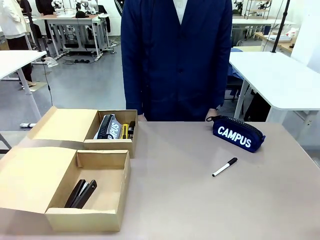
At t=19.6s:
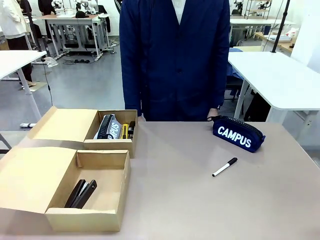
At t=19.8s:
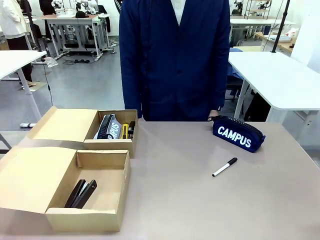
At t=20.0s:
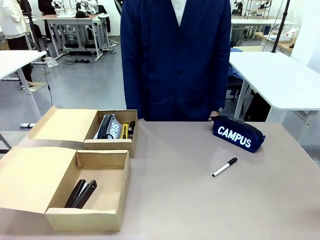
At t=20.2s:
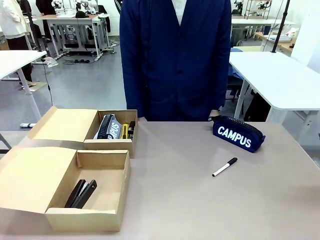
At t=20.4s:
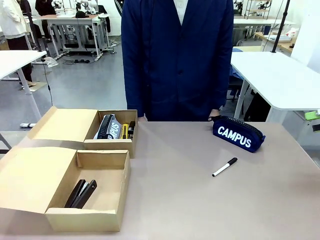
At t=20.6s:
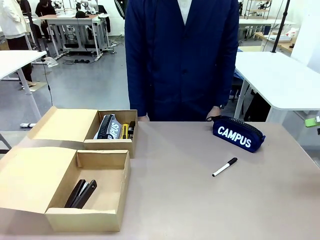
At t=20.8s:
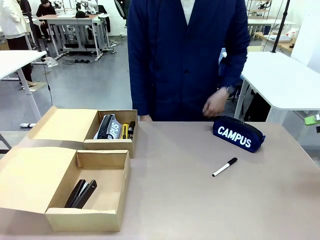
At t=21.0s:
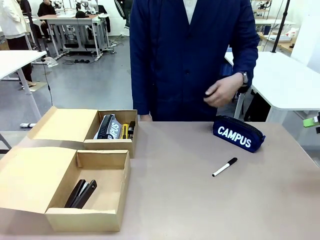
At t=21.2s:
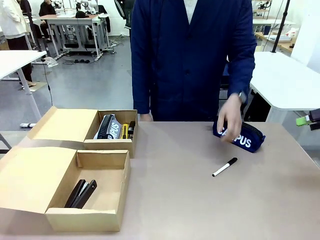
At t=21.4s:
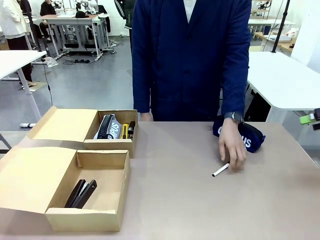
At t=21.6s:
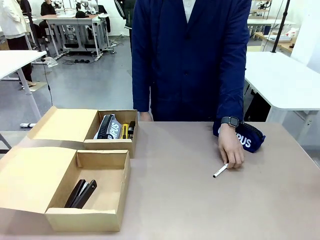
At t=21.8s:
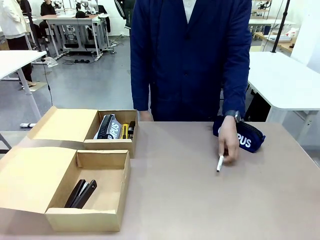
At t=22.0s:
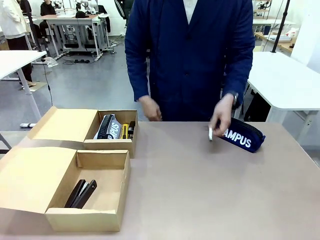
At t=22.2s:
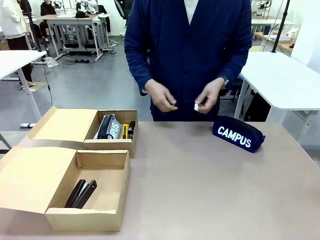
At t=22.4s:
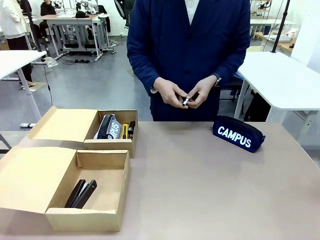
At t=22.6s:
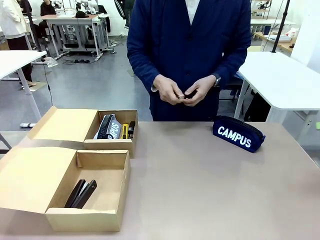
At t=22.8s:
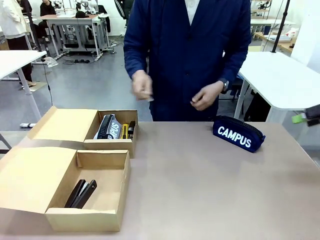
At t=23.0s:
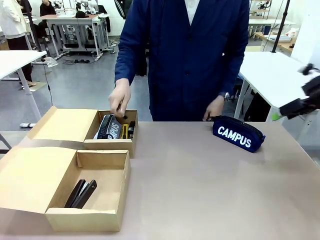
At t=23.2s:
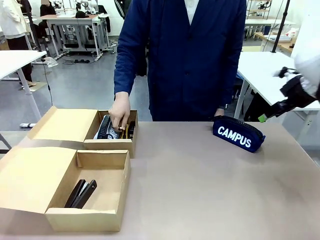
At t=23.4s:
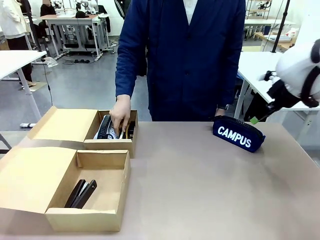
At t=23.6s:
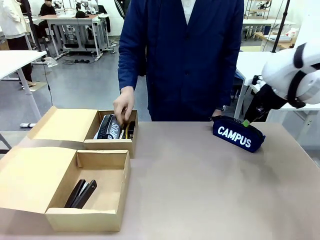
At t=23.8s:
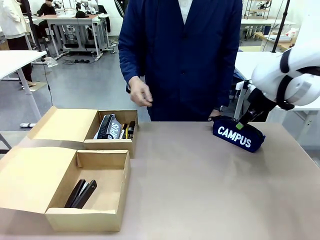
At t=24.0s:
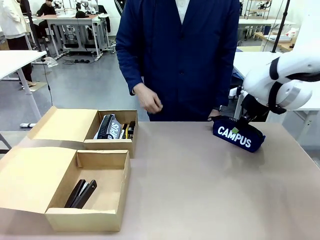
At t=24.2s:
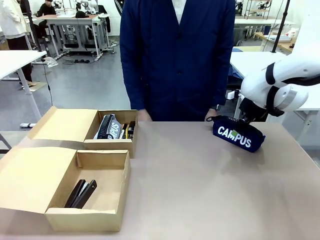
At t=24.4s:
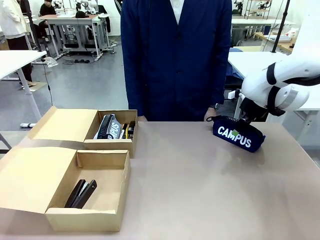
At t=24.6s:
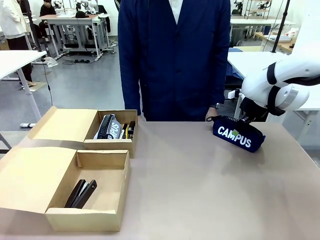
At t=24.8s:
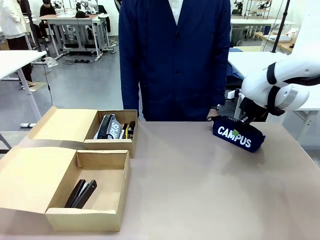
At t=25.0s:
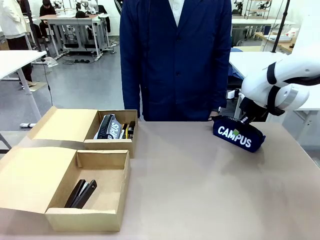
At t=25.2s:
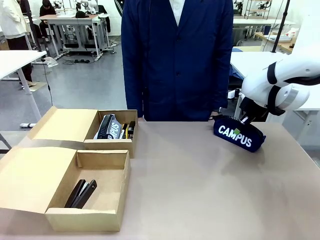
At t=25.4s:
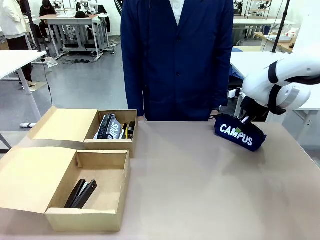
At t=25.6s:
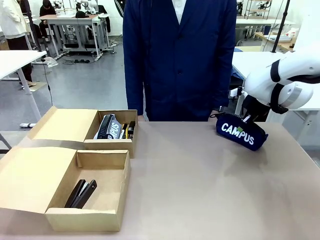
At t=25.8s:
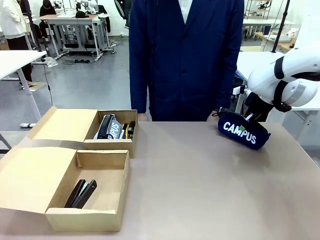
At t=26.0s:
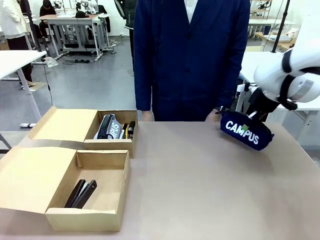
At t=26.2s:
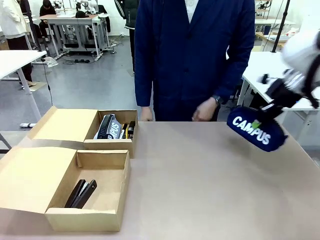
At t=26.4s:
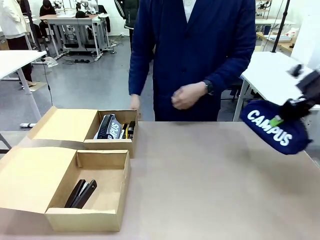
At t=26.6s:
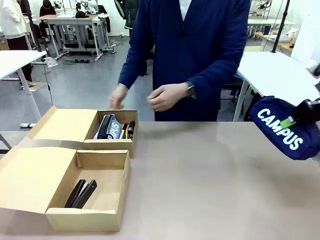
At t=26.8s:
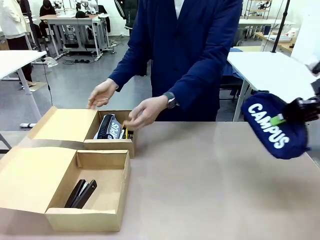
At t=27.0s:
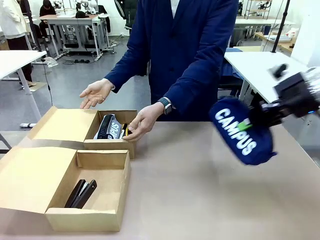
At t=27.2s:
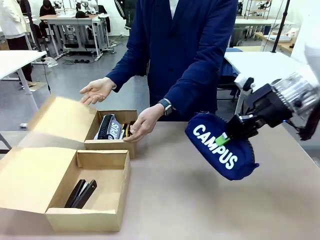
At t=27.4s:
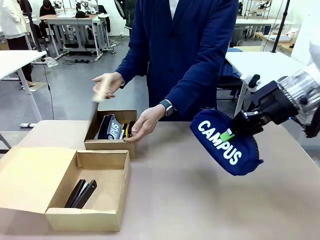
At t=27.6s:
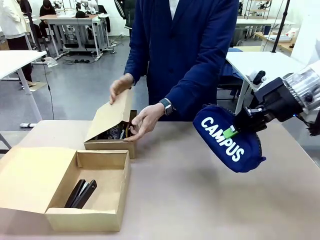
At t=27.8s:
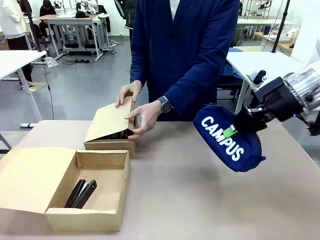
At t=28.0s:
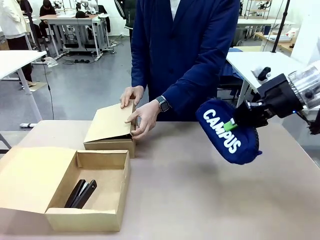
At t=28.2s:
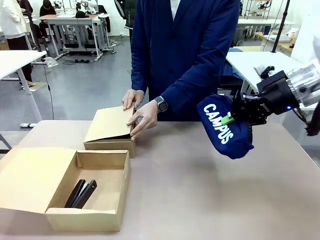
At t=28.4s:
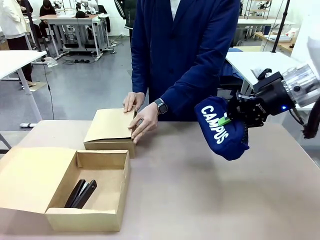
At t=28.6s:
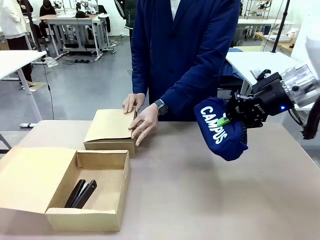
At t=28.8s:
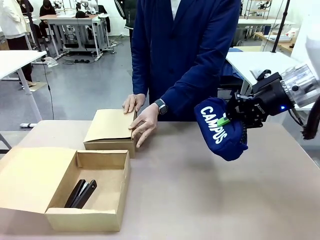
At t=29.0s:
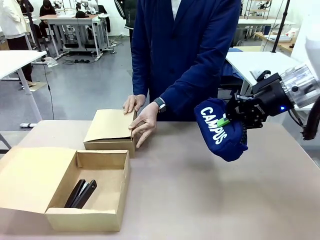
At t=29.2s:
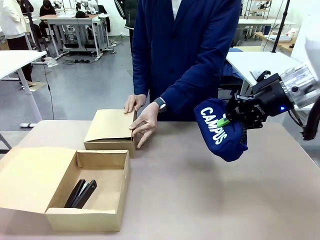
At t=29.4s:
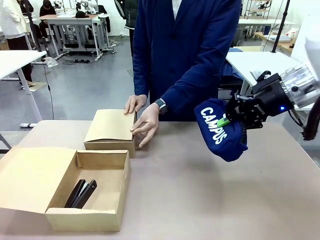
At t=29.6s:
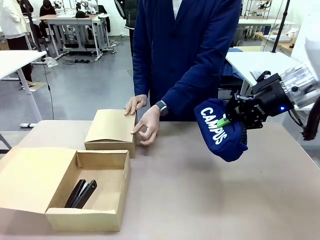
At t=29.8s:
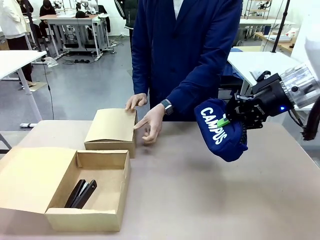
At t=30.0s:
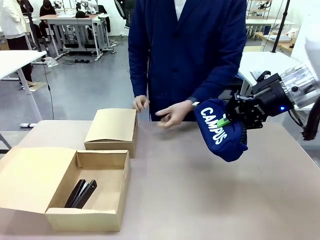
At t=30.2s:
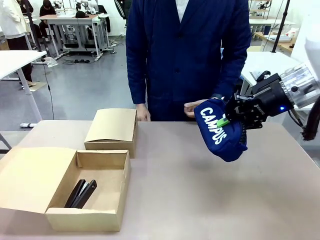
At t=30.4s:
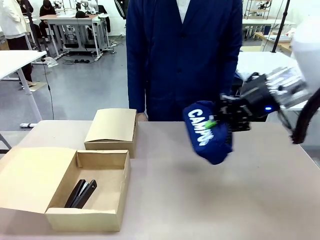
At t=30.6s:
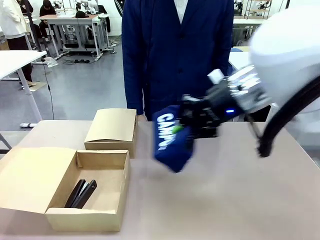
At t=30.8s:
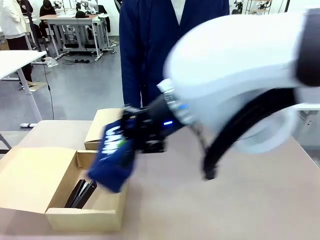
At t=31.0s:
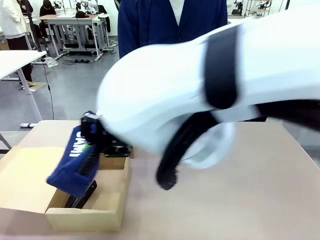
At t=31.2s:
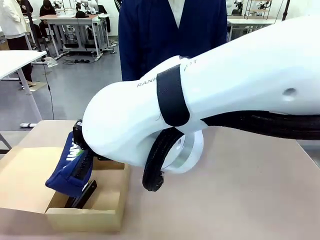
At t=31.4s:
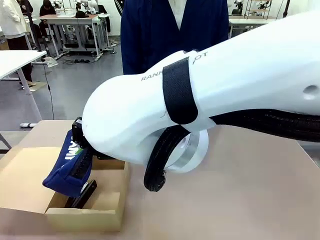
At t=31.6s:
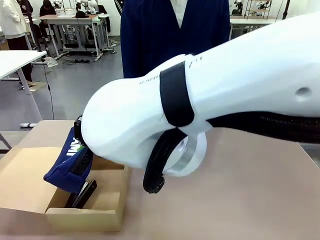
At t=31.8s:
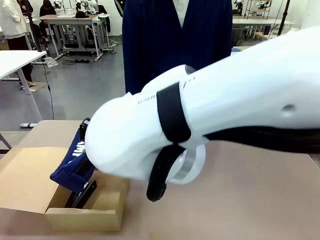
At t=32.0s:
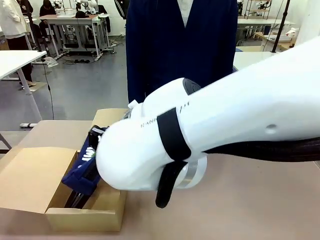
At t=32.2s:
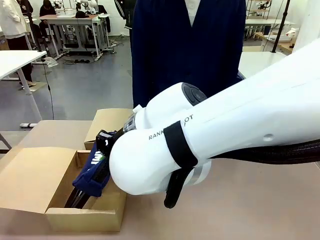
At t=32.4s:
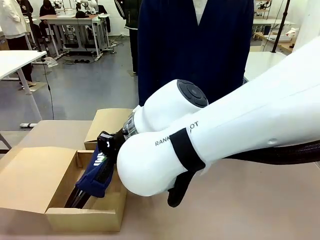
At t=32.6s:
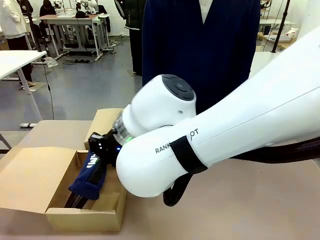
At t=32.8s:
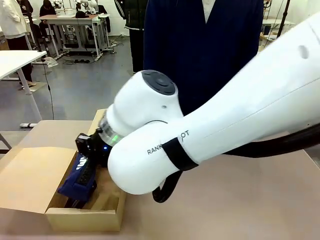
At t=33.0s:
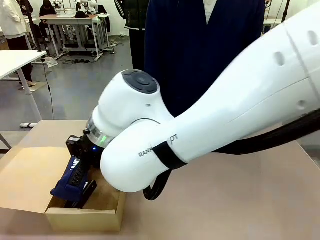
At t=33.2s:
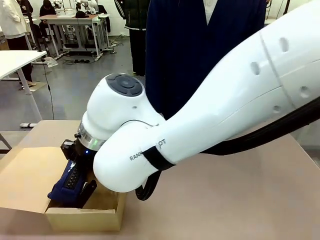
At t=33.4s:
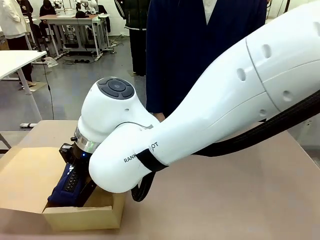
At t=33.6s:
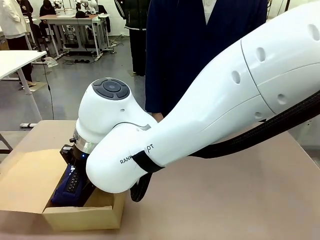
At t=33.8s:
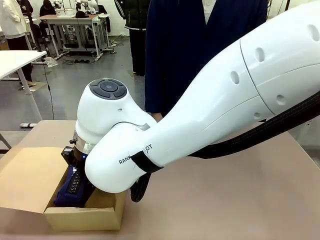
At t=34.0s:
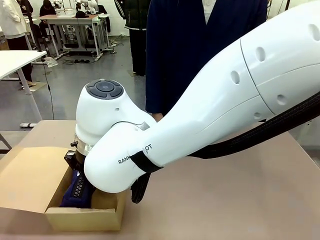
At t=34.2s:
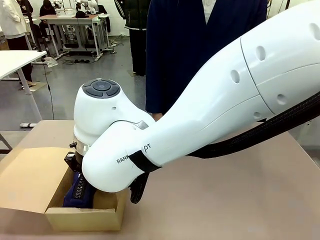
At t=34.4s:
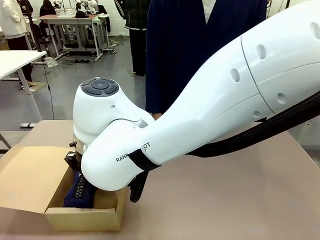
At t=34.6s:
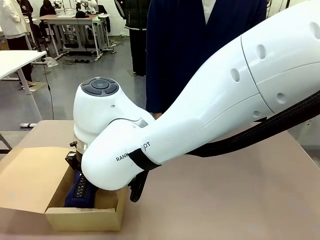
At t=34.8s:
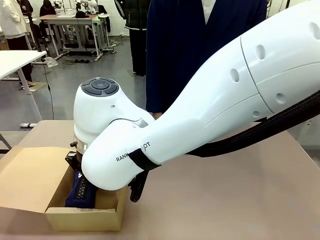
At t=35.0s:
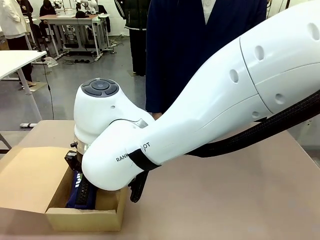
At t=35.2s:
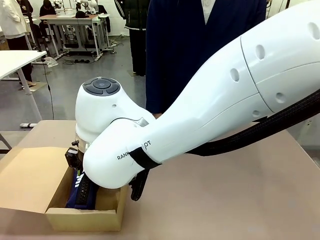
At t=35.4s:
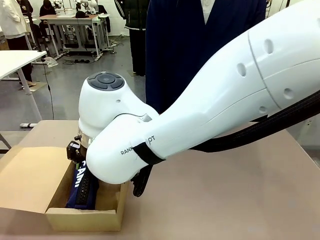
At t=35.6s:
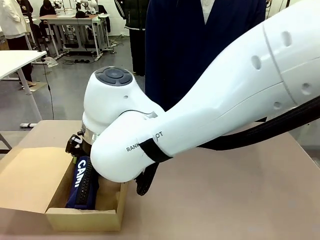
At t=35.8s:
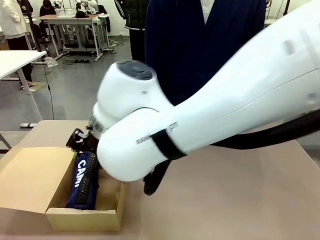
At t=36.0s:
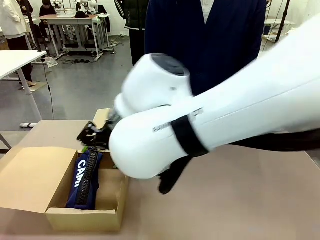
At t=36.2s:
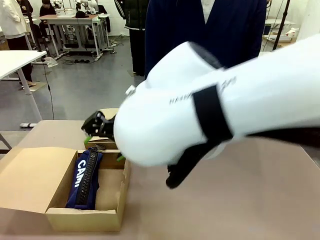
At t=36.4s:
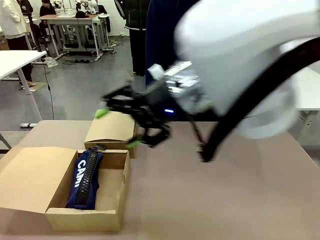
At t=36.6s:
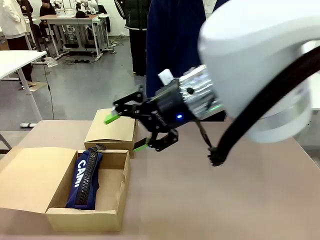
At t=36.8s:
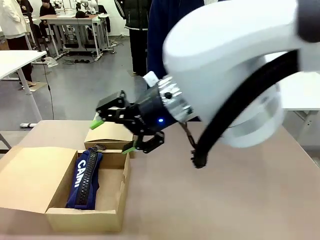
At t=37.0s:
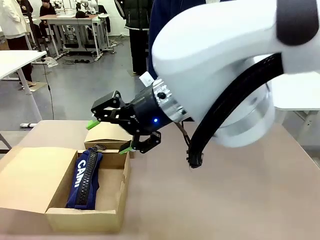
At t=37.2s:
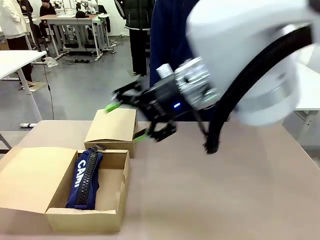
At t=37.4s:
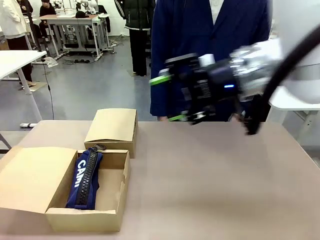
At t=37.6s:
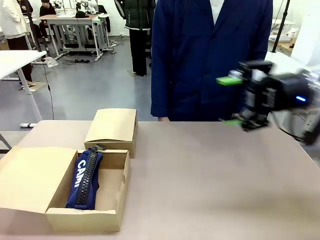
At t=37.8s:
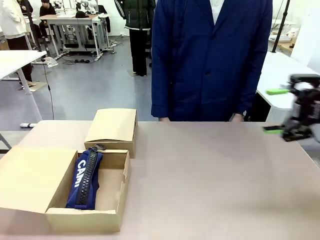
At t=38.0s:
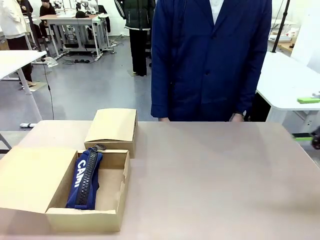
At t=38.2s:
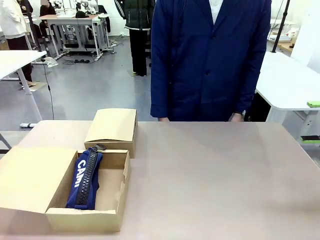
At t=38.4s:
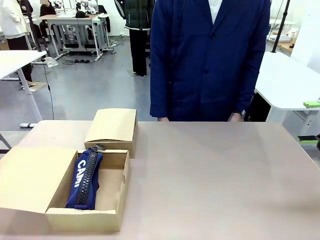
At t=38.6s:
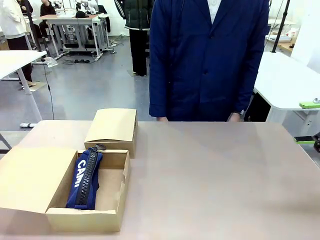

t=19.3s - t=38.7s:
Task: Place items inside the box.
Robot: Pick up a Pencil pouch or Stapler and place it inside the Mailer Box closest to the robot.
Person: Close the lid of the box facing the person.
